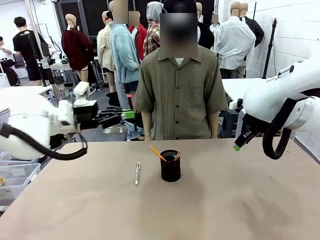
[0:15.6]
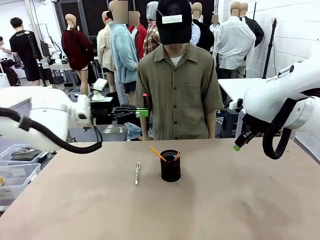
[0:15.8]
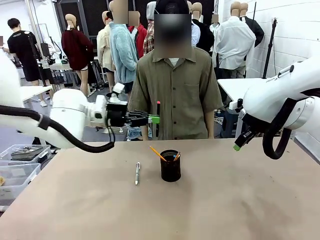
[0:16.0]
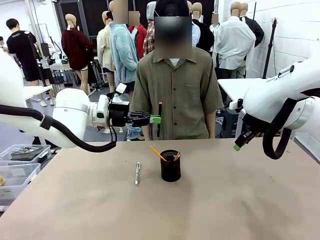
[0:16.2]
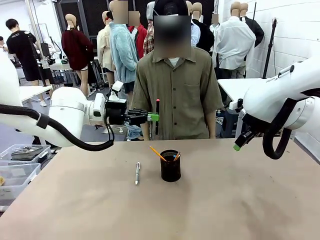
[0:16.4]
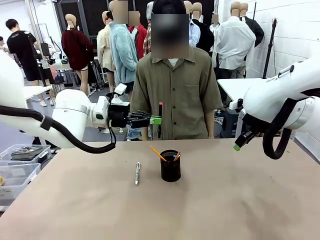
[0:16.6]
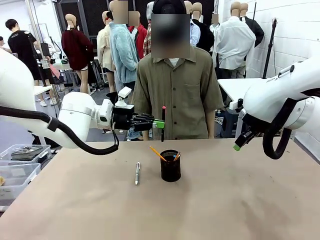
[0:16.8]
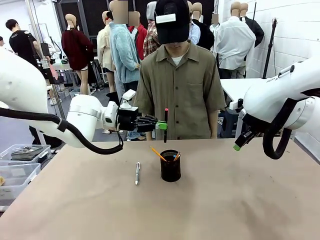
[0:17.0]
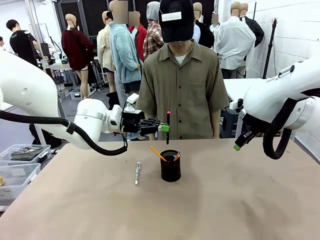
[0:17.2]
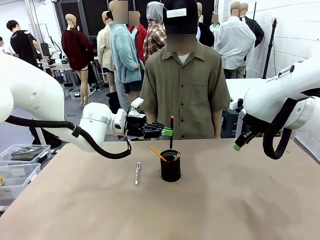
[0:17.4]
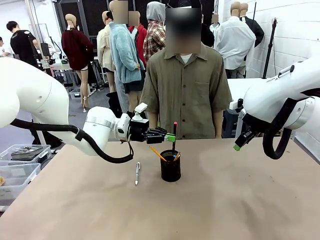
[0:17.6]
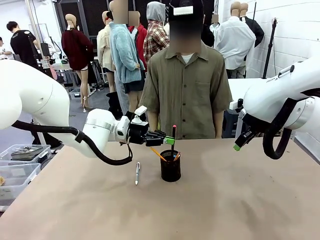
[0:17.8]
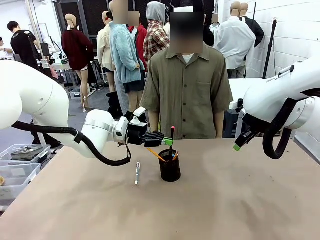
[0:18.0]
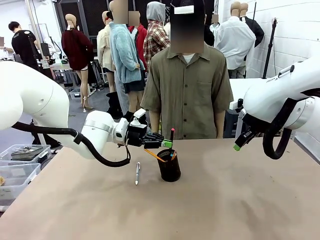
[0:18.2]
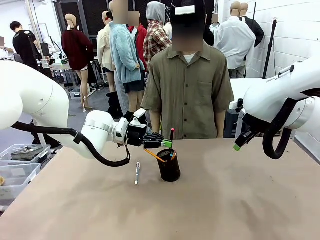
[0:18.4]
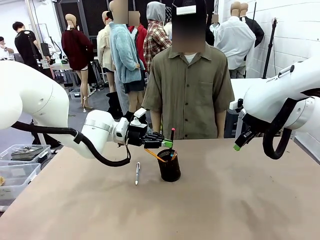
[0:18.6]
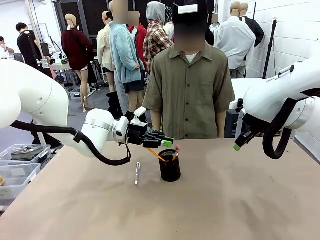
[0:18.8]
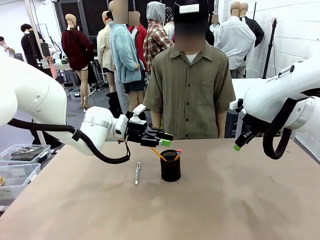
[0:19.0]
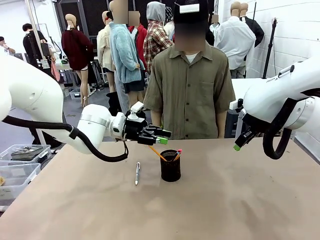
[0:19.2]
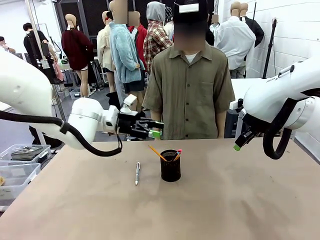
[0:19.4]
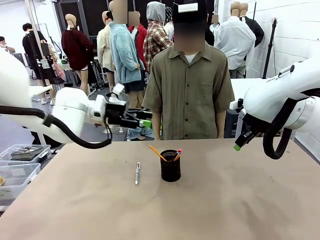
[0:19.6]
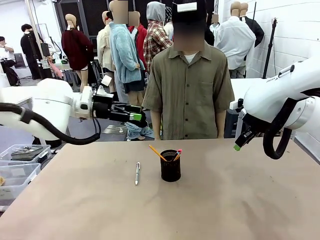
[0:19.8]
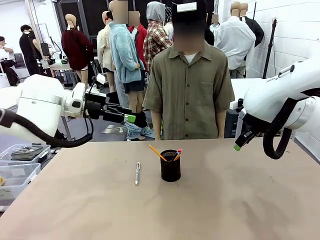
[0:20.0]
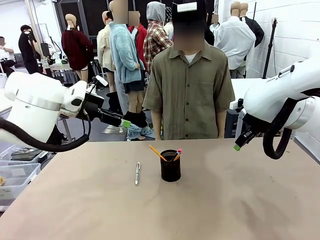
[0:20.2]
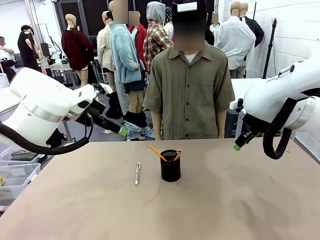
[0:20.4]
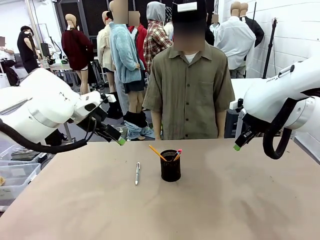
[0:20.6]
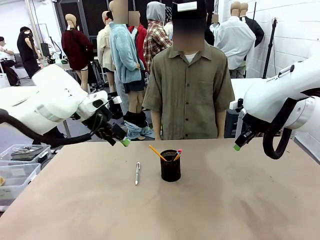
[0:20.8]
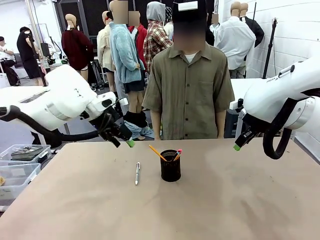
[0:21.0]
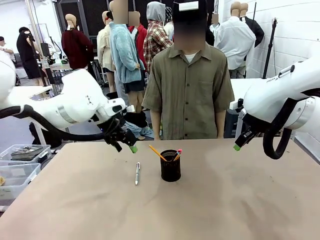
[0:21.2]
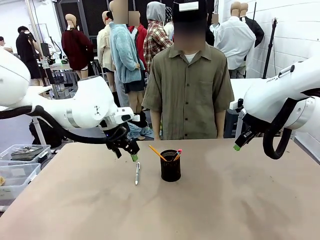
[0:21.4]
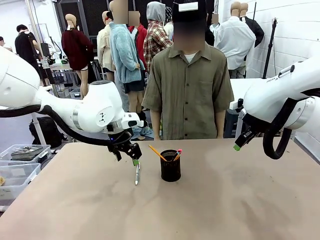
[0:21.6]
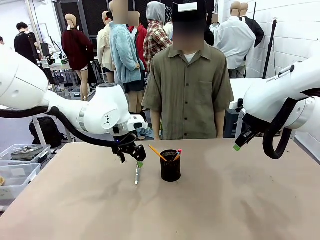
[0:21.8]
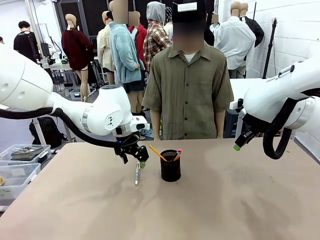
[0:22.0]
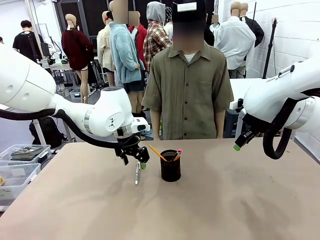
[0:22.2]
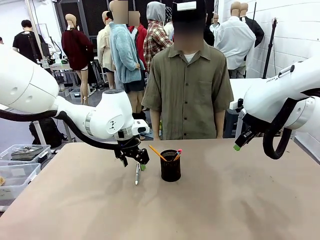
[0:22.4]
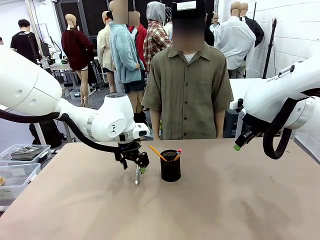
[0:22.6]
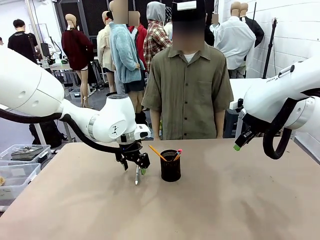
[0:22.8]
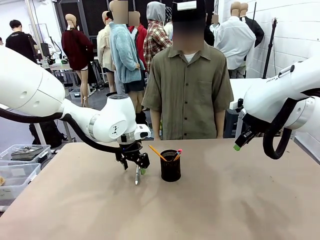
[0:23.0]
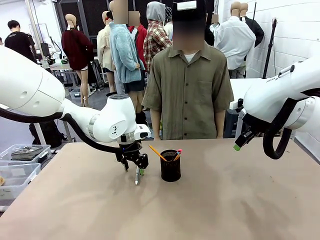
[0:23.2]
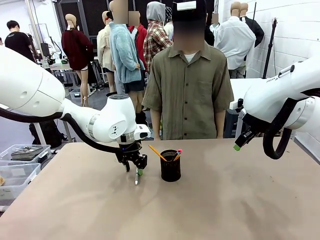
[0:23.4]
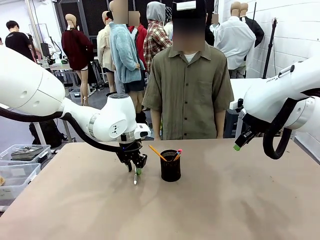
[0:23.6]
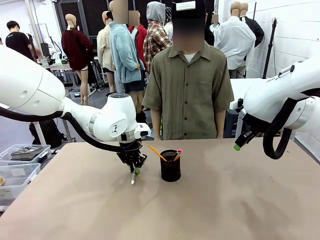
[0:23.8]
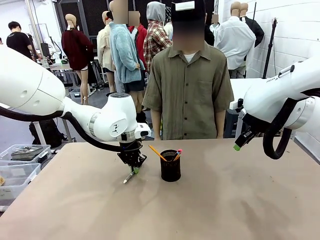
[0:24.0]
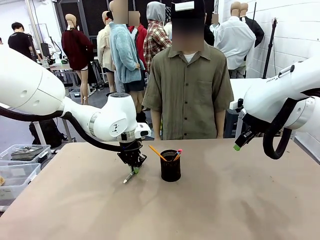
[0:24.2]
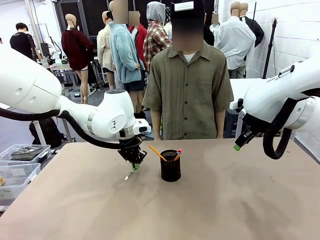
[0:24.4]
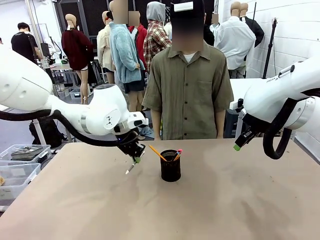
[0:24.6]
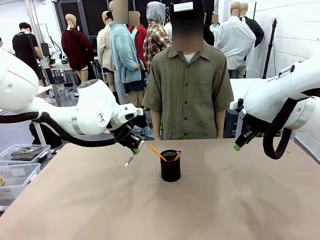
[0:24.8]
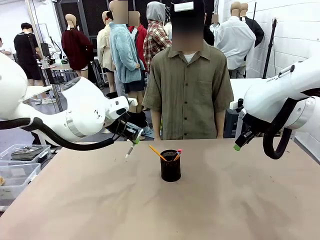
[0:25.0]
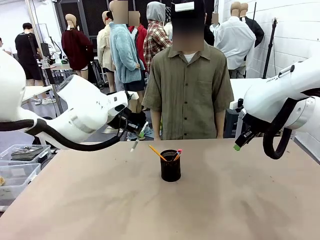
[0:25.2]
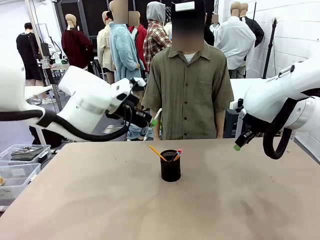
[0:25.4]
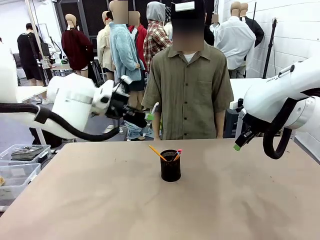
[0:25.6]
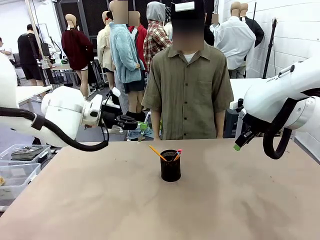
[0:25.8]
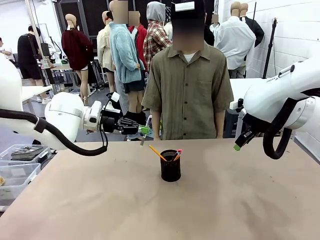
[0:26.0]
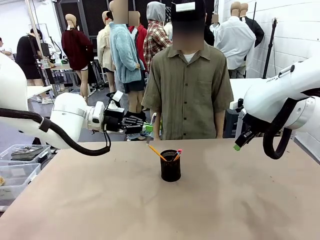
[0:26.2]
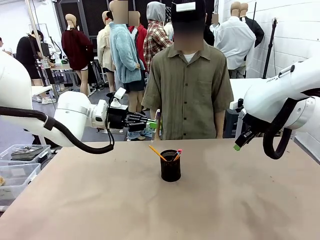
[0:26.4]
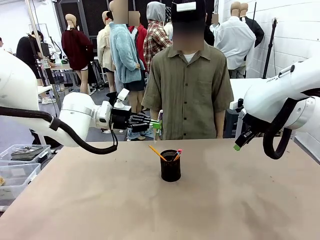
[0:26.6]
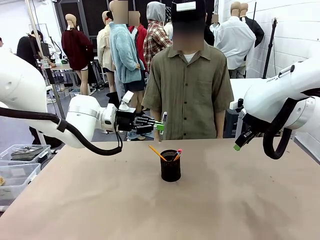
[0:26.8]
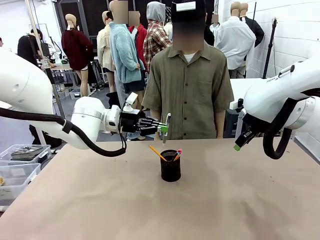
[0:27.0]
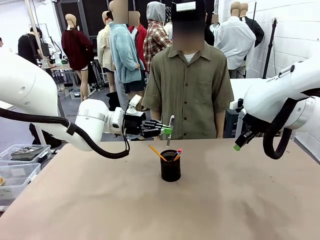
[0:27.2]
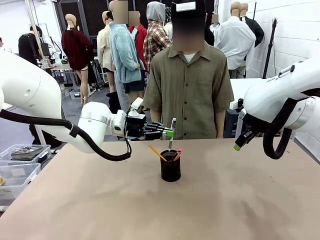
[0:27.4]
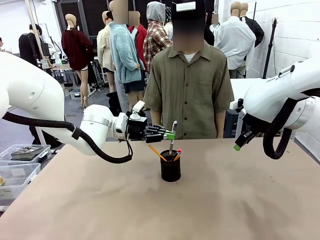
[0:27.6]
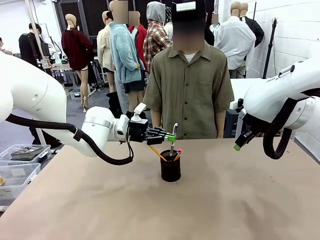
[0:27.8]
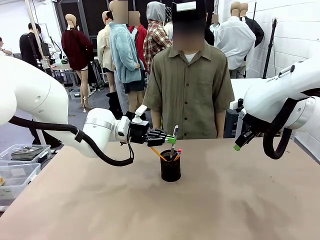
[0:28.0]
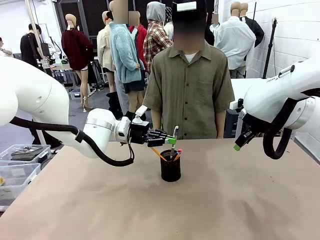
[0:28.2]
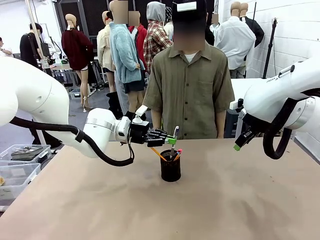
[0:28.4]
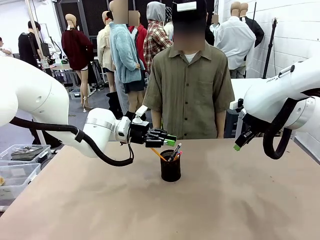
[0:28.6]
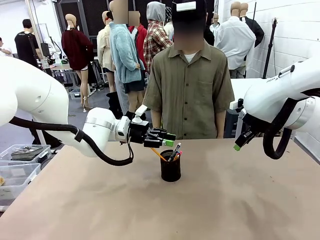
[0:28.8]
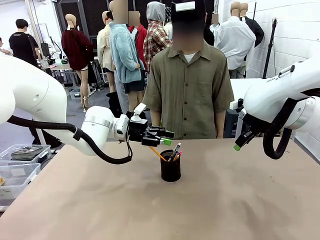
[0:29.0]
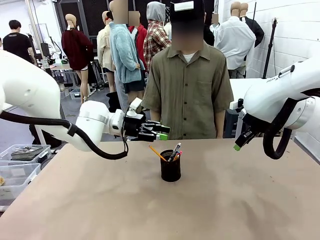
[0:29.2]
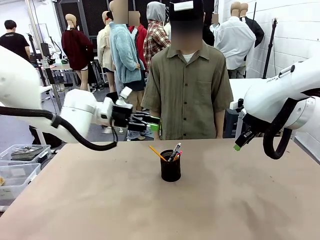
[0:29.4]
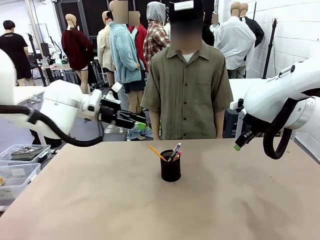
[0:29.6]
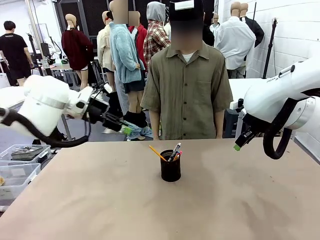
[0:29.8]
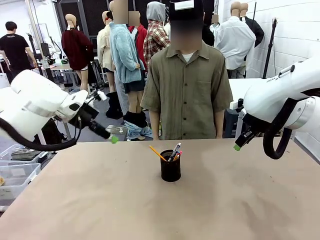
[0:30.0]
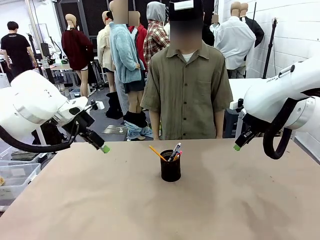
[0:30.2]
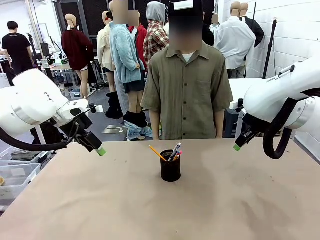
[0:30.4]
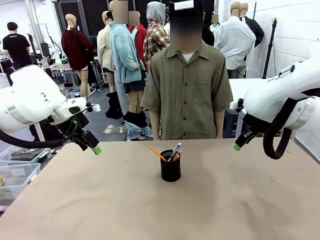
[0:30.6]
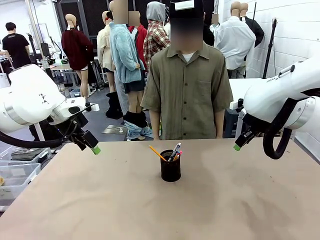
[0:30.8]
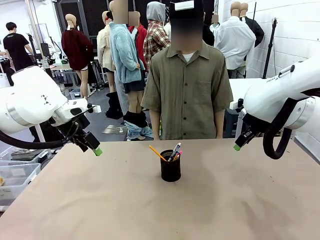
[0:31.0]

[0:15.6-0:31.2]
Task: Place the pens into the pen holder.
Robot: Pick up a writing instrument from the table and place it into the Pen holder.
Person: Place all writing instrument into the Pen holder.
